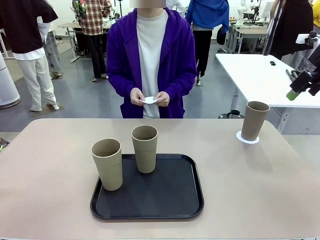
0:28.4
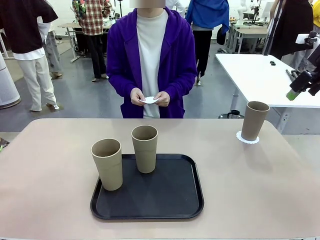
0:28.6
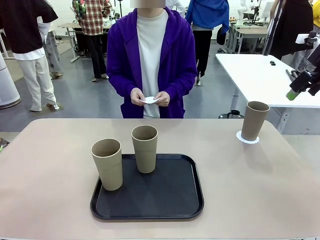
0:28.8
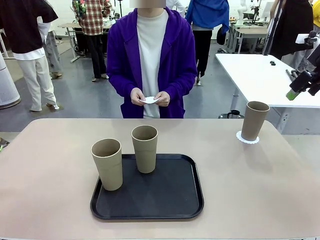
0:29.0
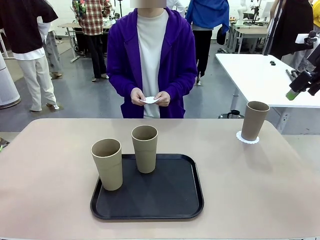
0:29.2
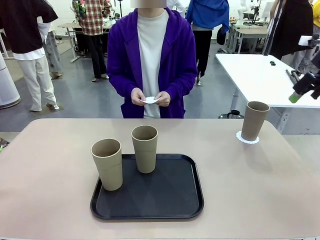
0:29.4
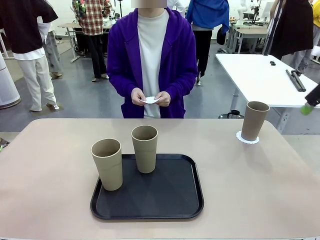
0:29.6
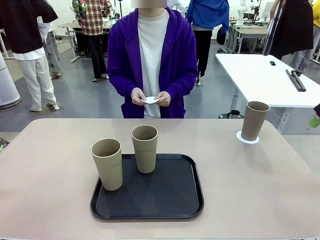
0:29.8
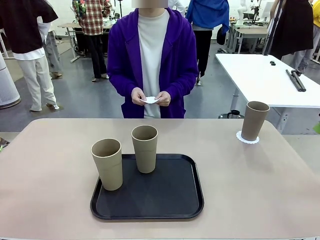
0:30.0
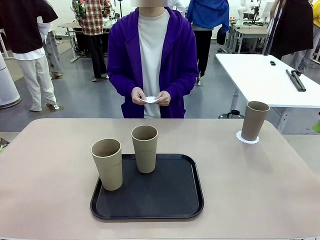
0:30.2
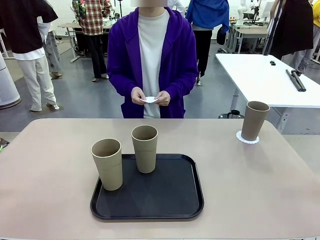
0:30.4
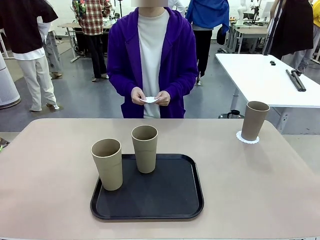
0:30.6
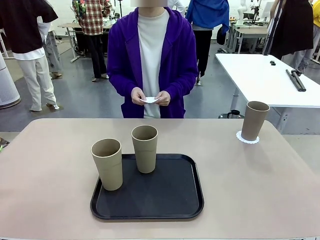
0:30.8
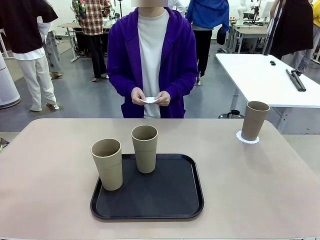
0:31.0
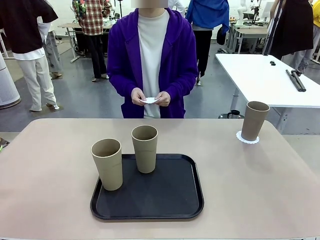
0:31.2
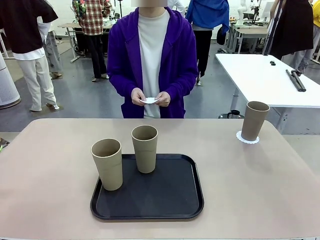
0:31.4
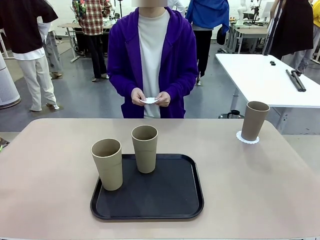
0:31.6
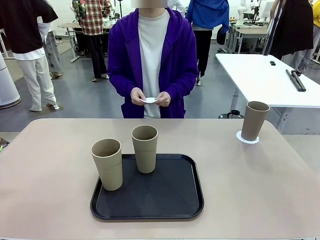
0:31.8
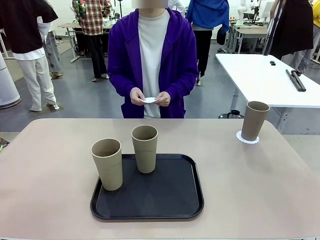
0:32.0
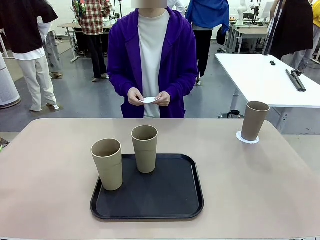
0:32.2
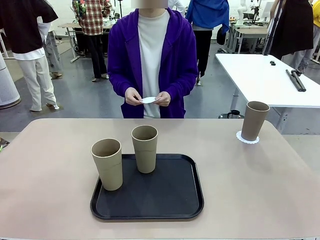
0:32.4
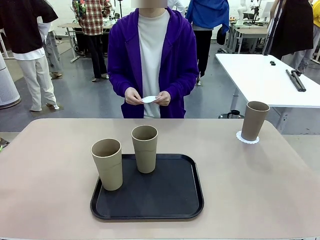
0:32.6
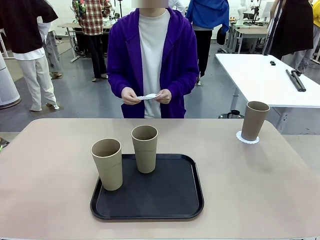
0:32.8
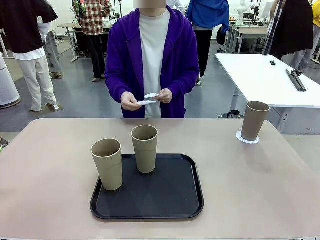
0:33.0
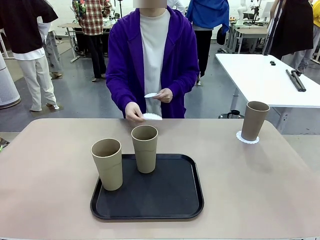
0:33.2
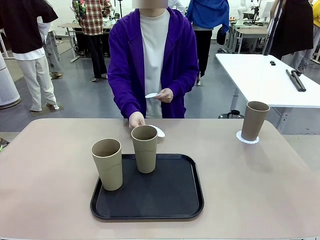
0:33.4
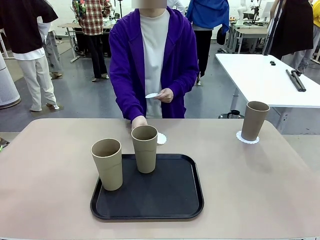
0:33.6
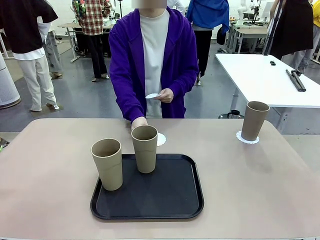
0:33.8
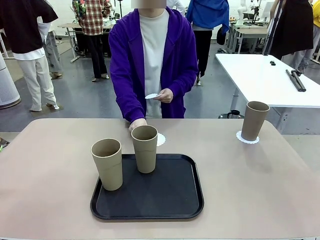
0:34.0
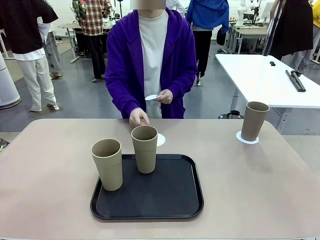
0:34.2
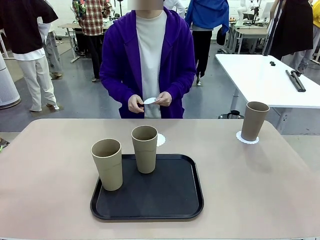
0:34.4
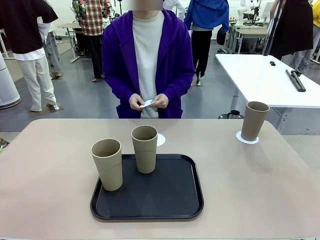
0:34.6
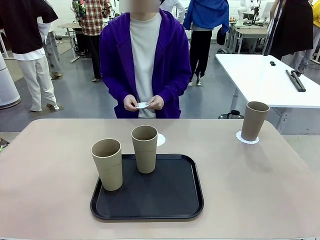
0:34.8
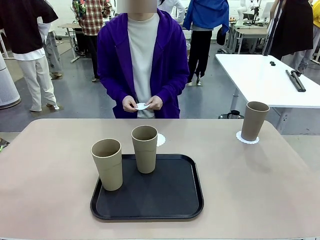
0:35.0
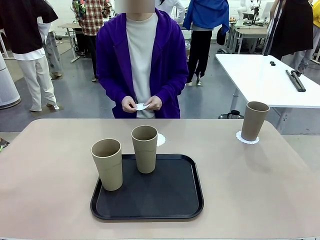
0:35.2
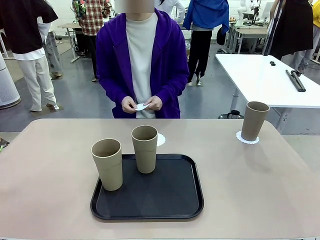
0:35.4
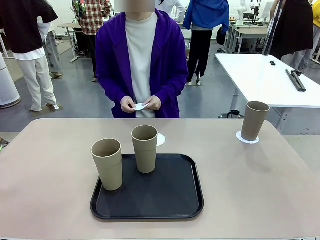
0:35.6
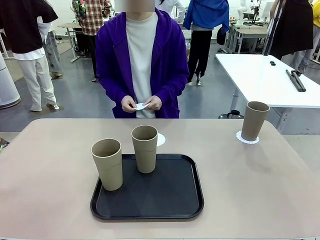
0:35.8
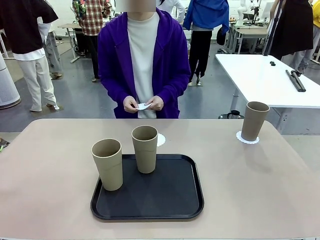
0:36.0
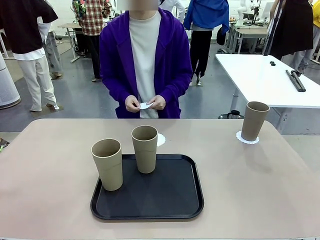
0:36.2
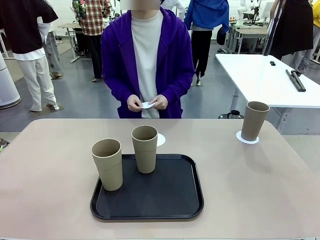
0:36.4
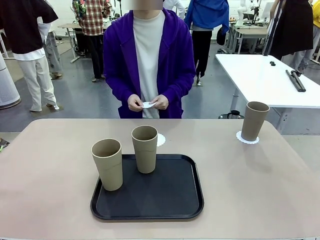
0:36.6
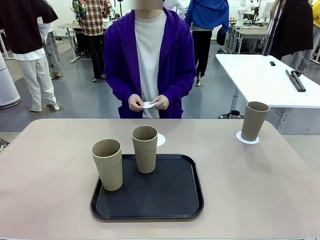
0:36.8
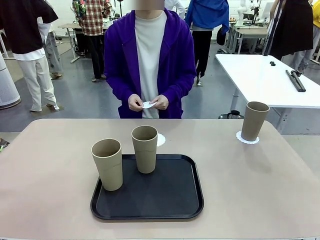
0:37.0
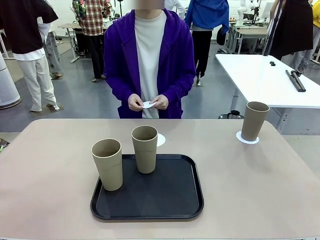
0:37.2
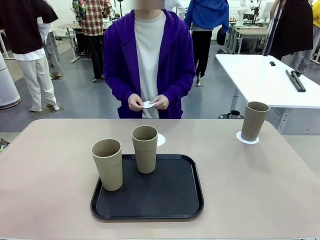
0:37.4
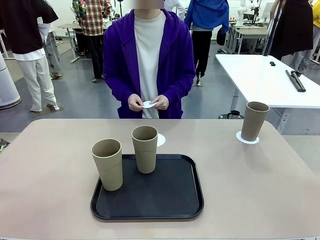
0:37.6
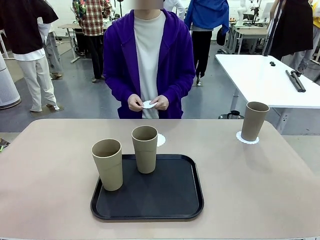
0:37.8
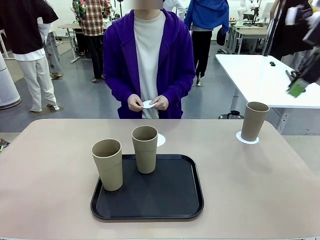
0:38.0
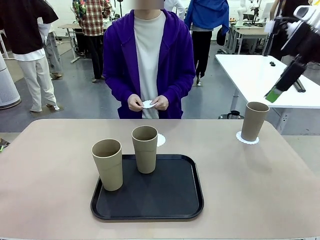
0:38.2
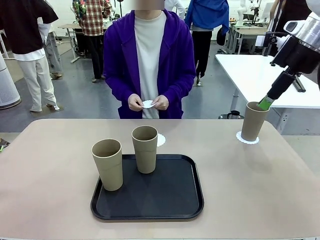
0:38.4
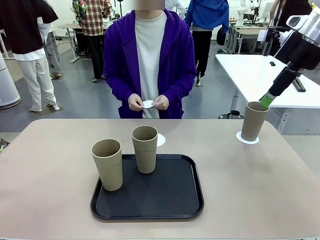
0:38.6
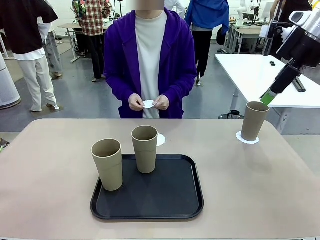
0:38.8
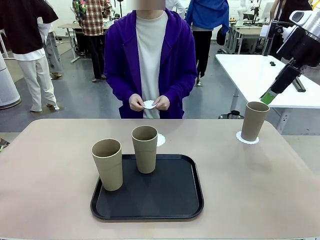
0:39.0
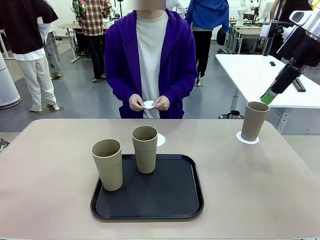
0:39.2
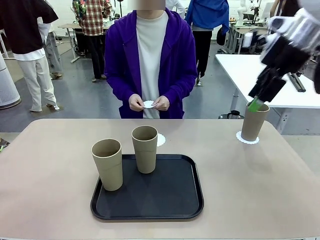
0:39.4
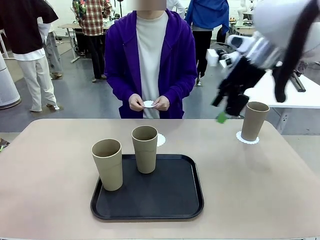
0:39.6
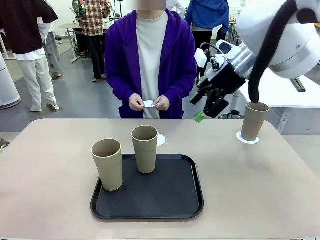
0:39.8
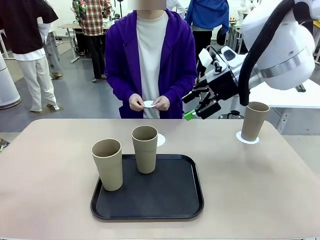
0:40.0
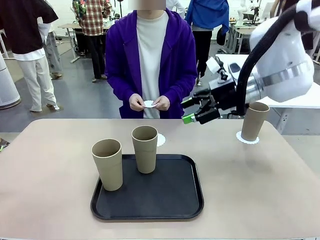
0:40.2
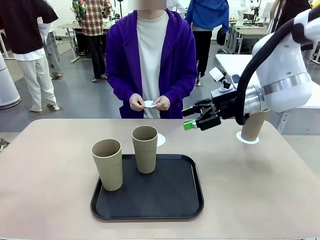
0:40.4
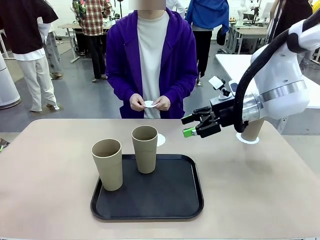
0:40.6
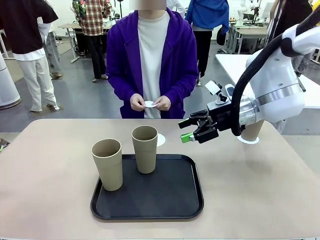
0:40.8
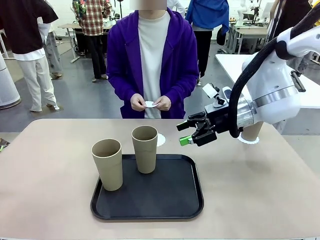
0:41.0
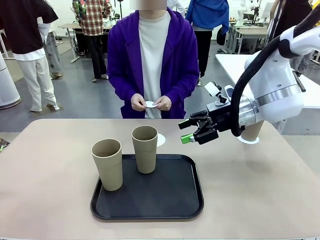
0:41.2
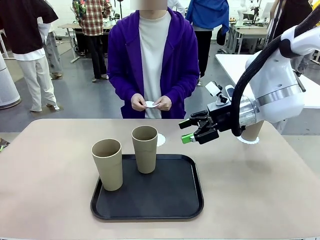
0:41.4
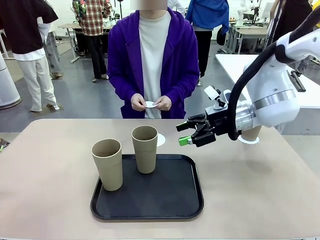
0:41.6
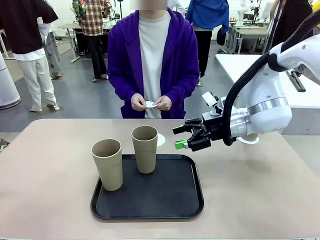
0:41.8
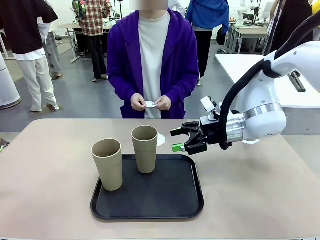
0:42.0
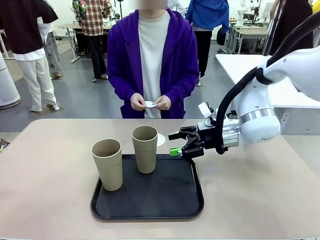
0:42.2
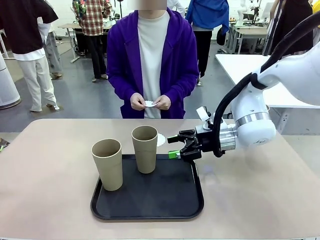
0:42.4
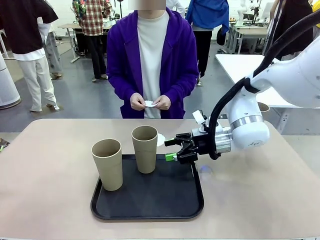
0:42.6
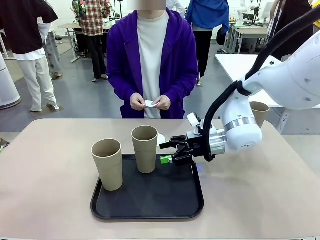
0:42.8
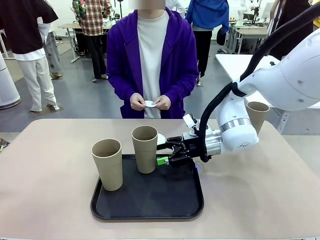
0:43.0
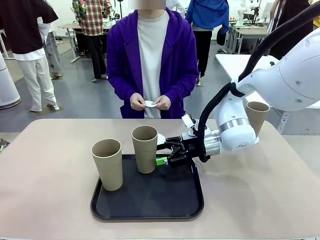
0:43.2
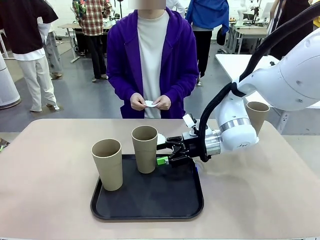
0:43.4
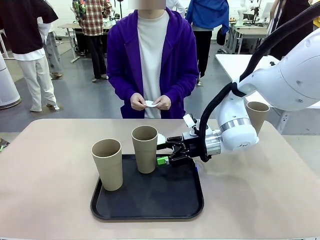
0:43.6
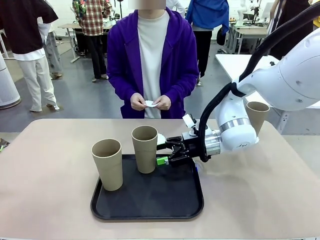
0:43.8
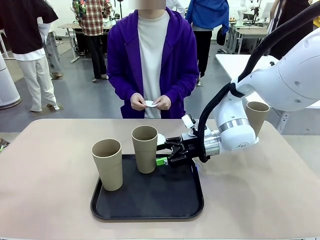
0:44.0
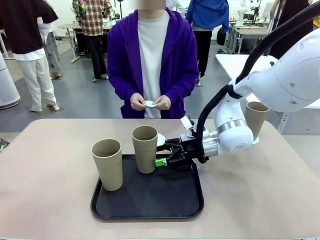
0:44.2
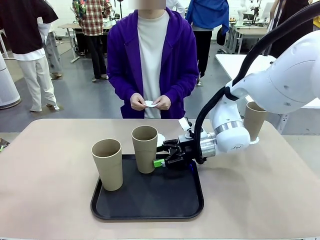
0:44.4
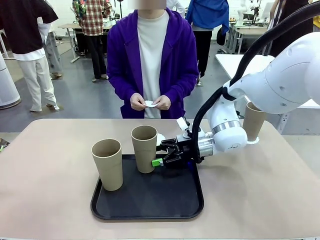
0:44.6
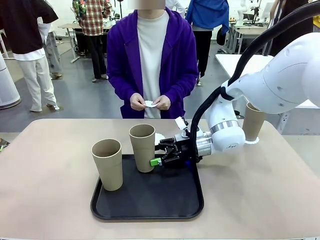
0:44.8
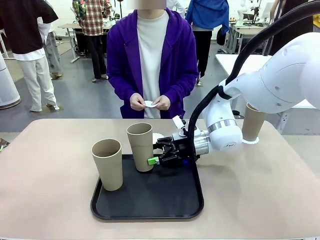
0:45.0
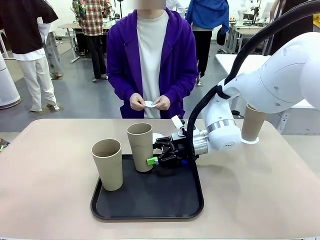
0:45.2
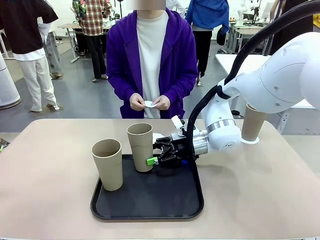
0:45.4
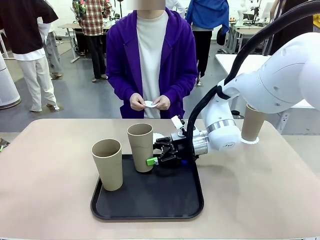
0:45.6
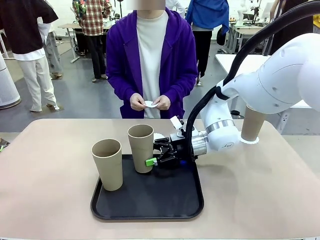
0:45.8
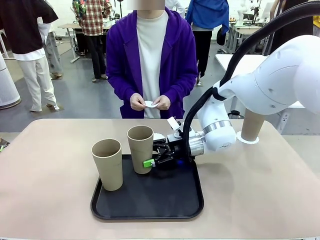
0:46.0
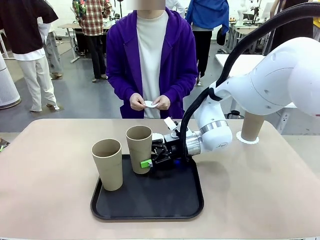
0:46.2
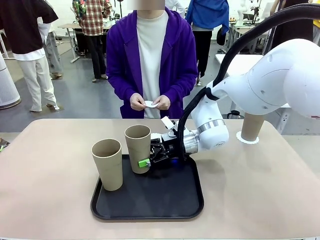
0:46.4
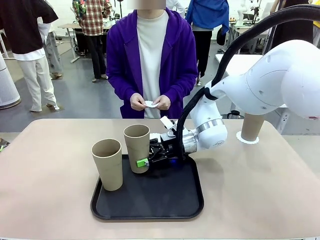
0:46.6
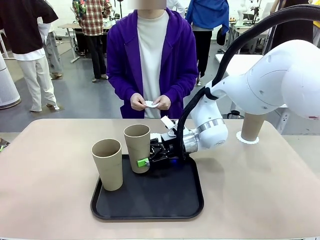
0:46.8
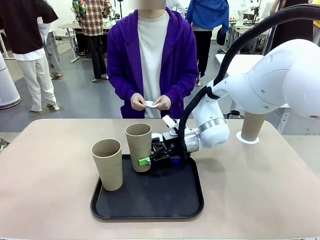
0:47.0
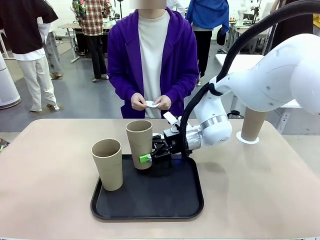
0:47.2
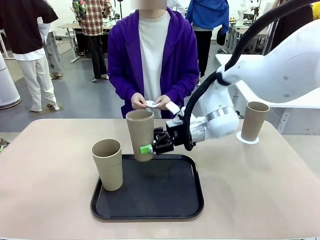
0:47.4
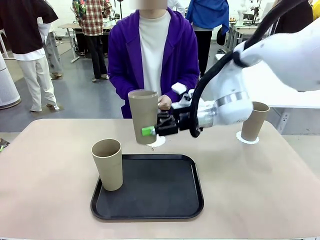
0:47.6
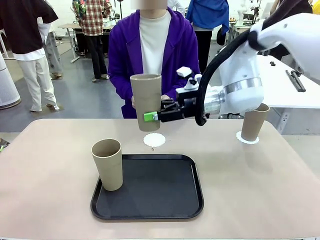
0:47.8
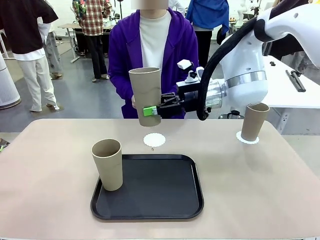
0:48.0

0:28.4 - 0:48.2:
Task: Place coasters on the table and set cups on them.
Robot: Take one Reusable plastic cup from the Flat Tray and place it on a coaster set by the human.
